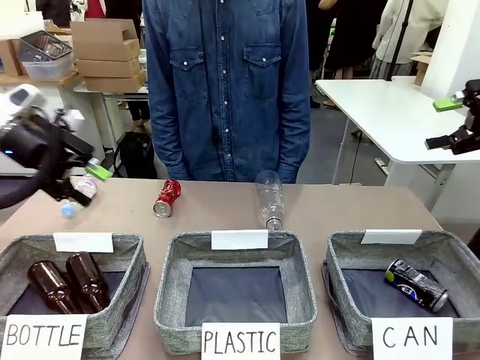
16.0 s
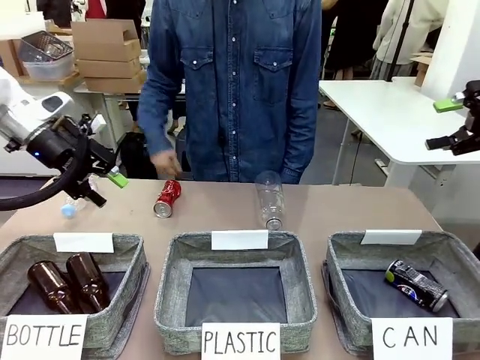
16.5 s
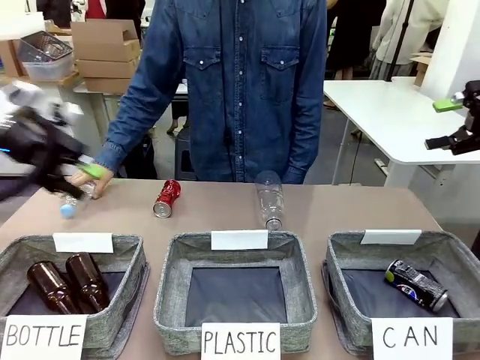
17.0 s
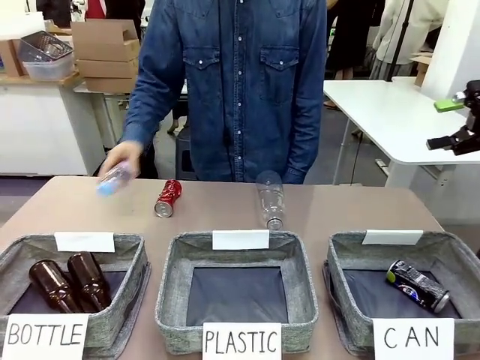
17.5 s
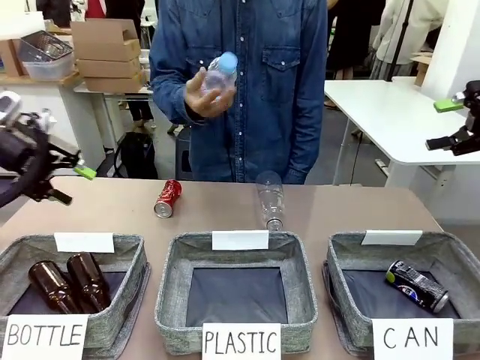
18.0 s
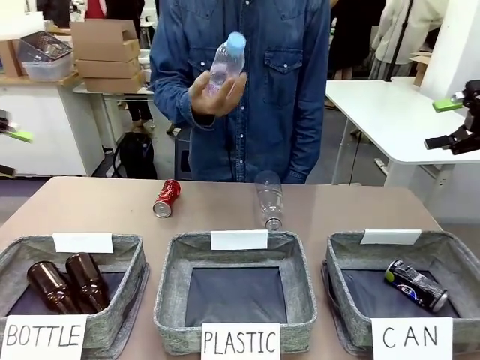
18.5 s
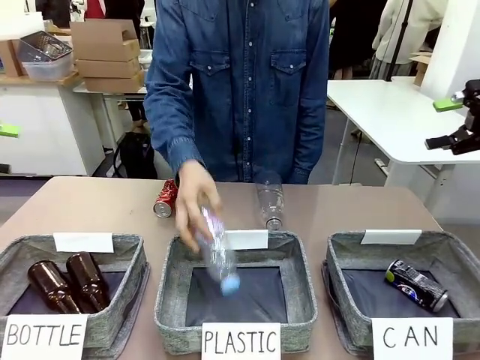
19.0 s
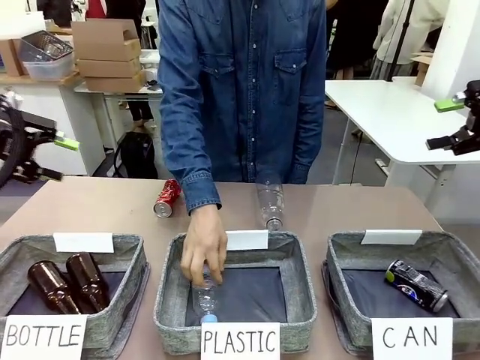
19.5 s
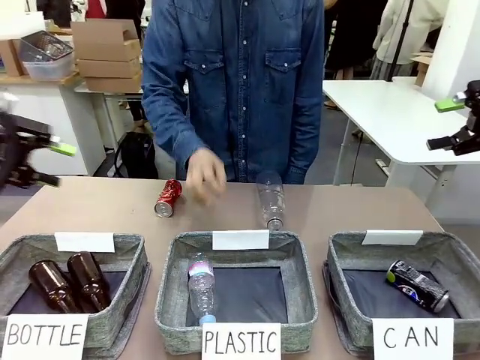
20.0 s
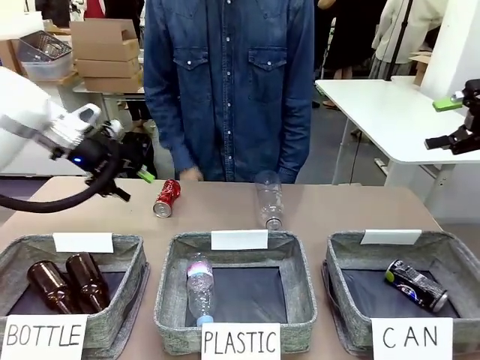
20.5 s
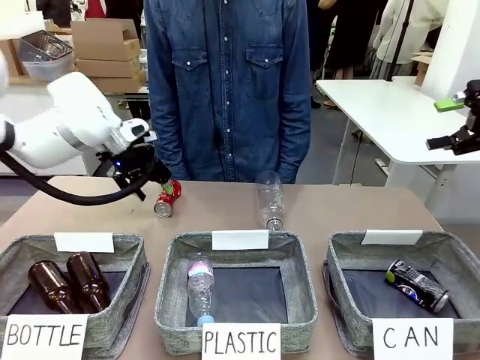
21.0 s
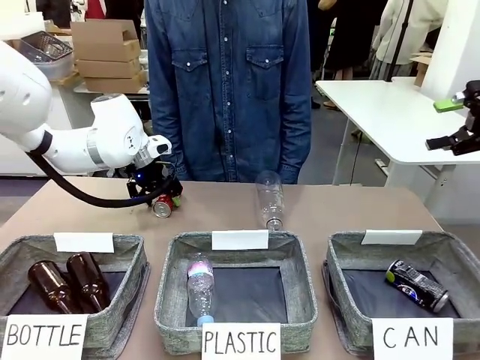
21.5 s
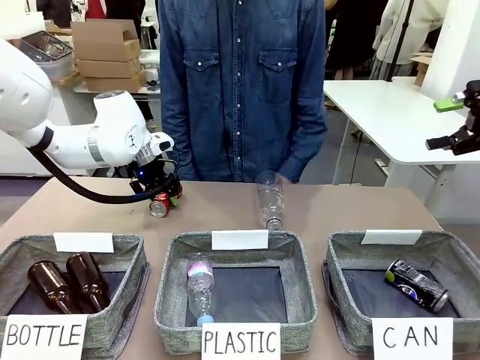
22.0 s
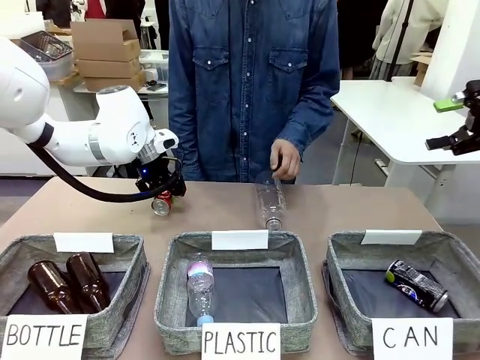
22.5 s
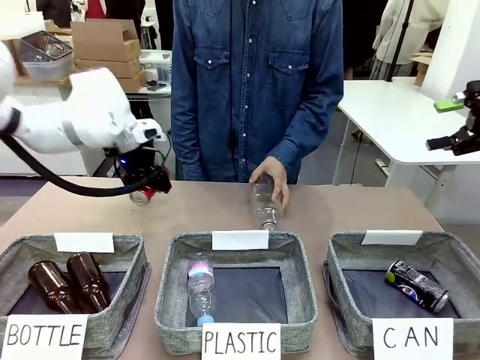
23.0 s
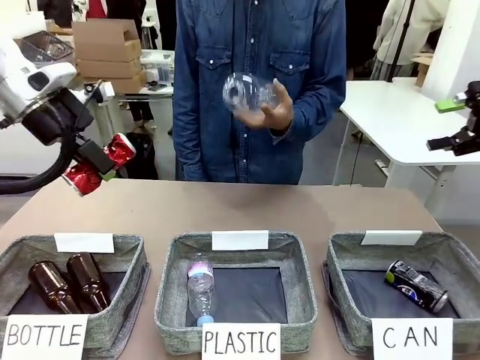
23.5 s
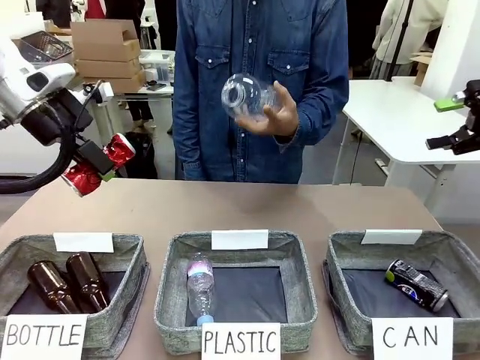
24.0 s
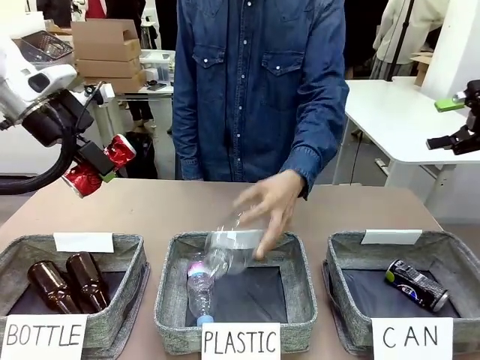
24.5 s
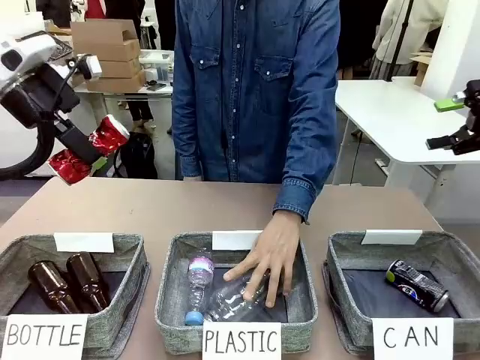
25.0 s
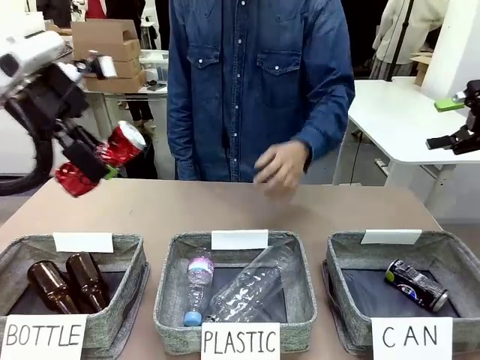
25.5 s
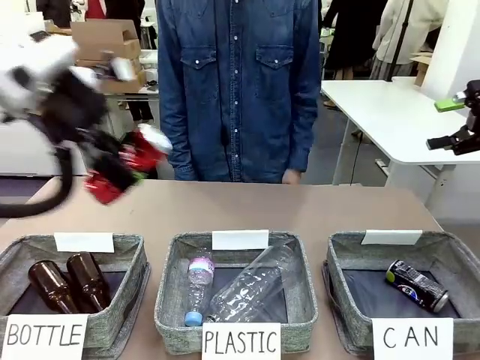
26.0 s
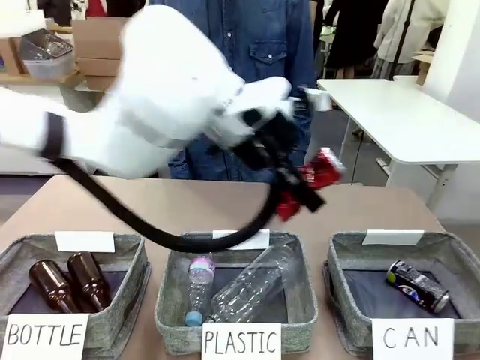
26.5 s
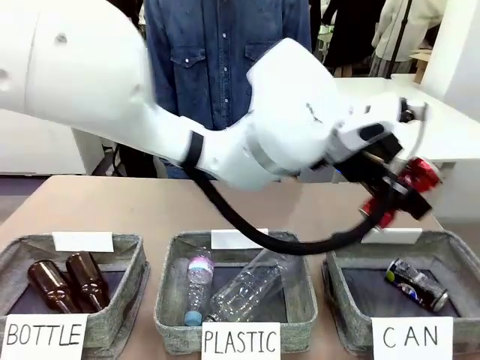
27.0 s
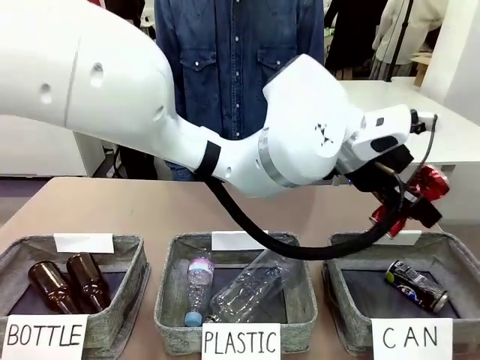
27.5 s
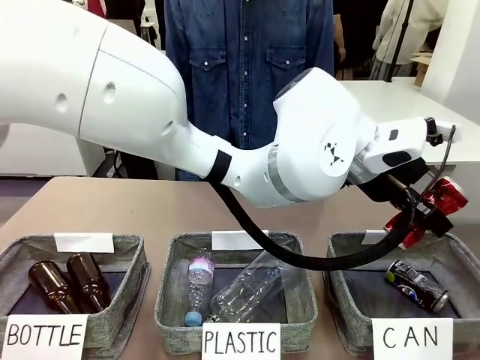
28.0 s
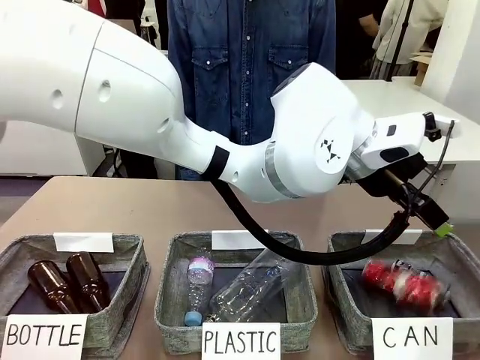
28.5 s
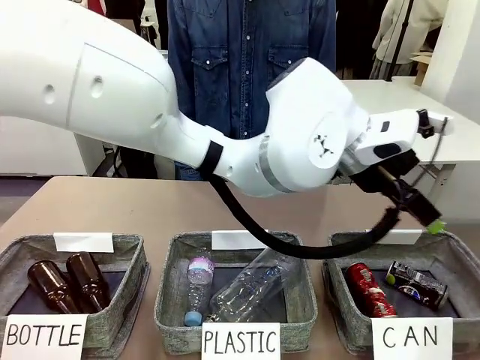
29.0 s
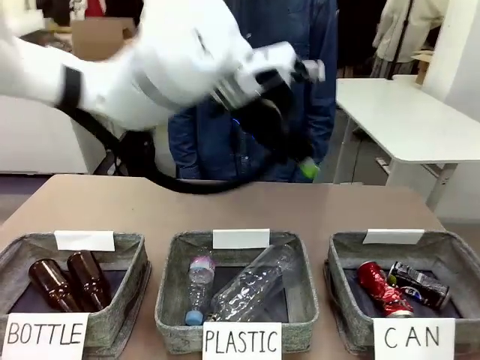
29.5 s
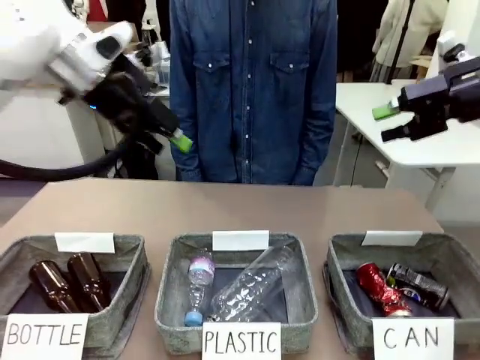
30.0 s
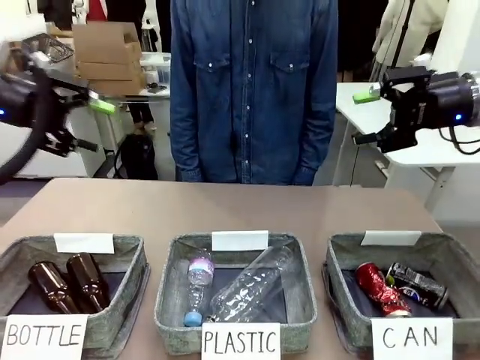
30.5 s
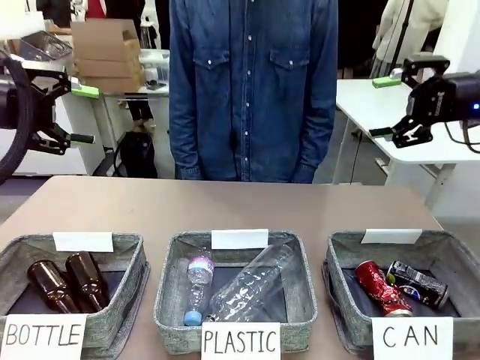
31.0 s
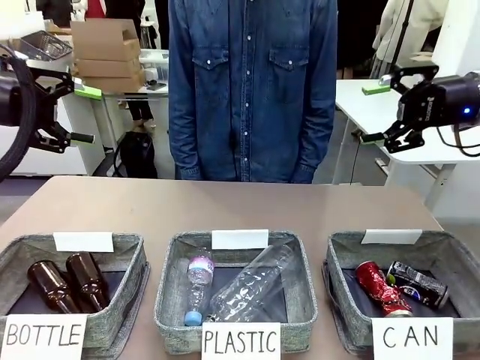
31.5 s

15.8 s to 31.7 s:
Task: Sort the can waste into the basket.
Robot: Pick up the can waste from the table and place it in the right Fabric basket.
Person: The human picks up one piece of trash that is not a can and places the trash into the appropriate organizing basket.

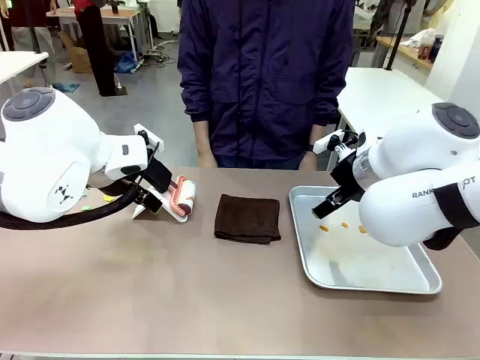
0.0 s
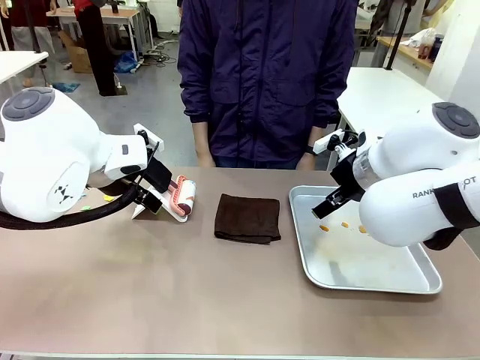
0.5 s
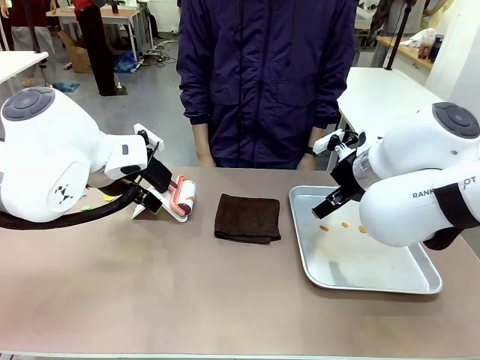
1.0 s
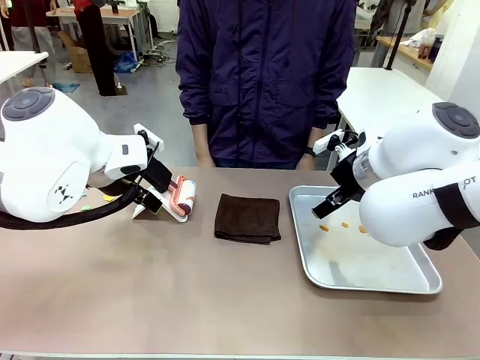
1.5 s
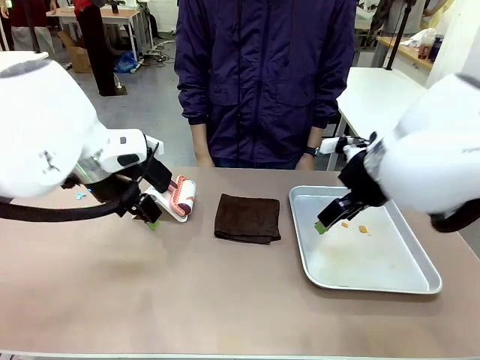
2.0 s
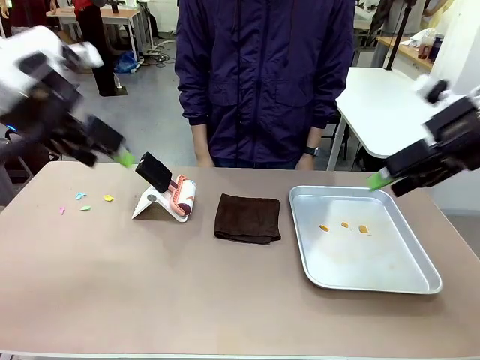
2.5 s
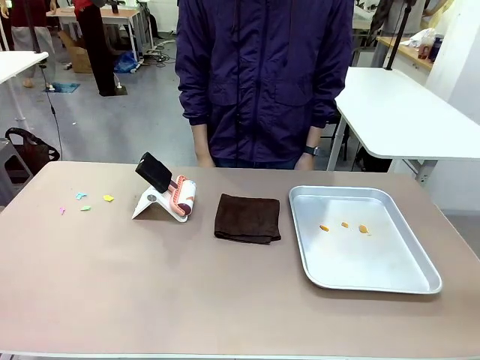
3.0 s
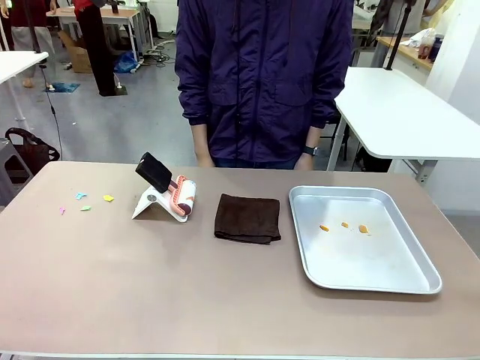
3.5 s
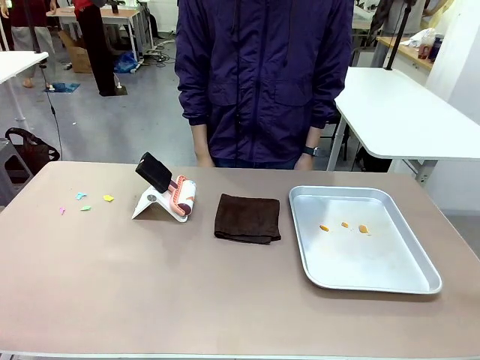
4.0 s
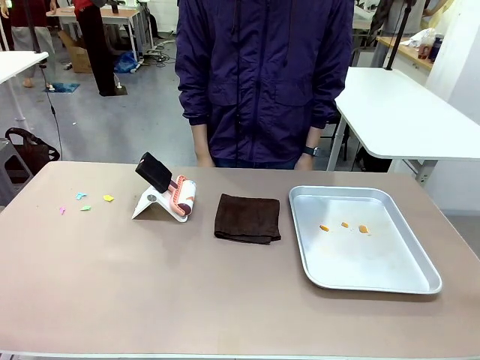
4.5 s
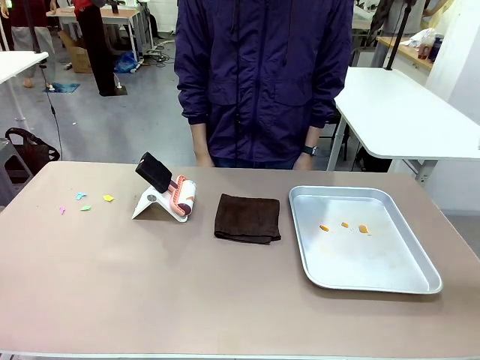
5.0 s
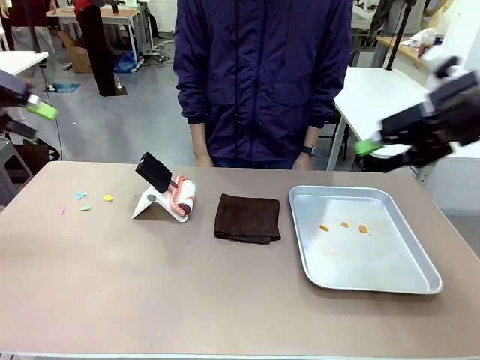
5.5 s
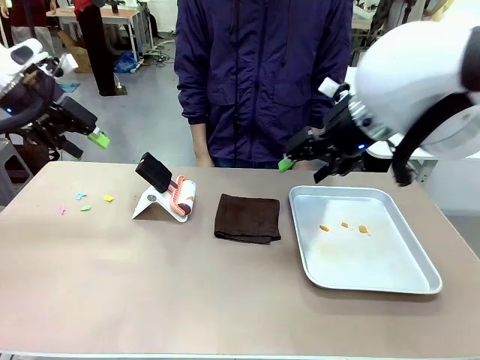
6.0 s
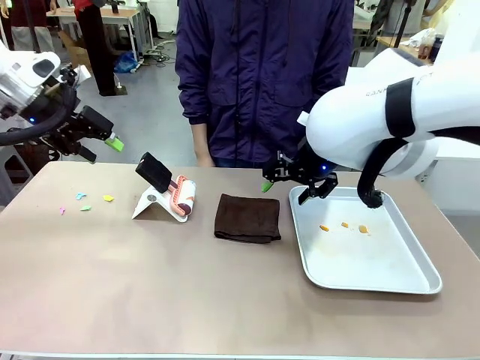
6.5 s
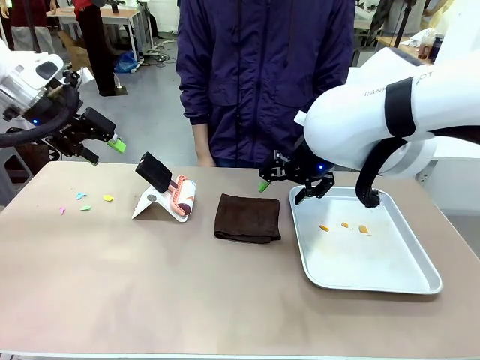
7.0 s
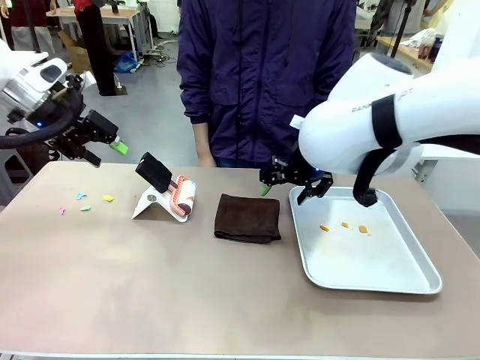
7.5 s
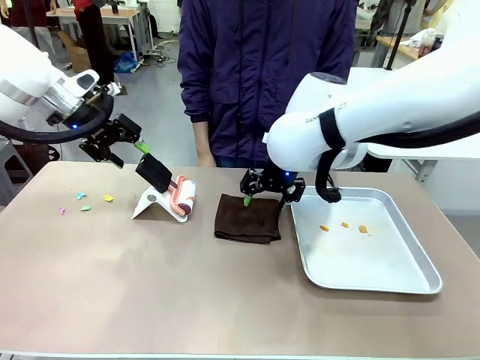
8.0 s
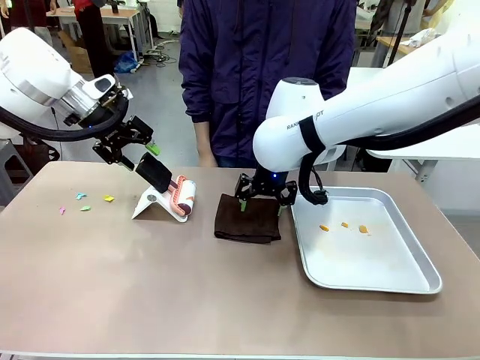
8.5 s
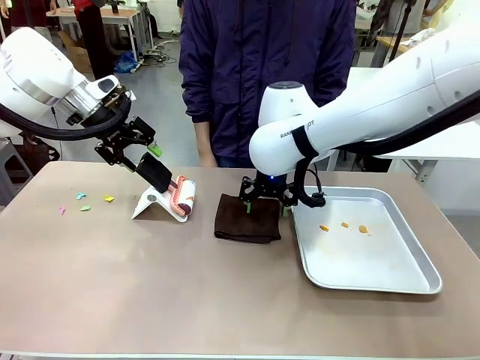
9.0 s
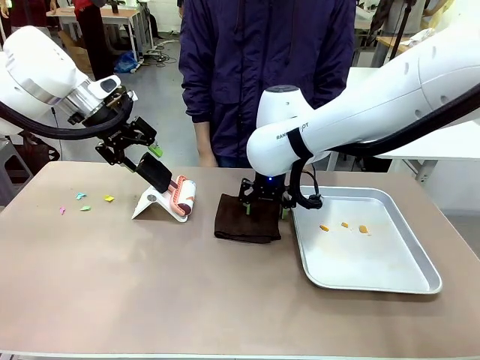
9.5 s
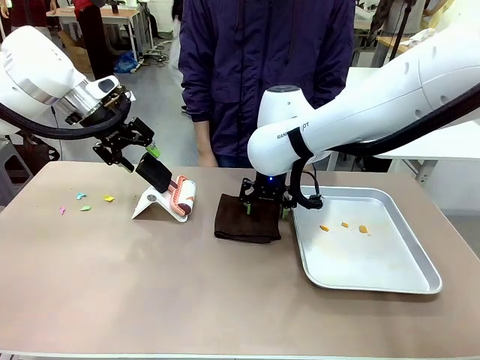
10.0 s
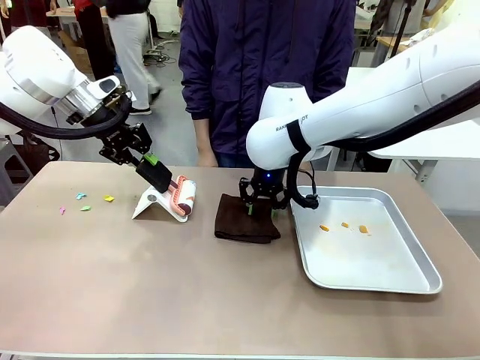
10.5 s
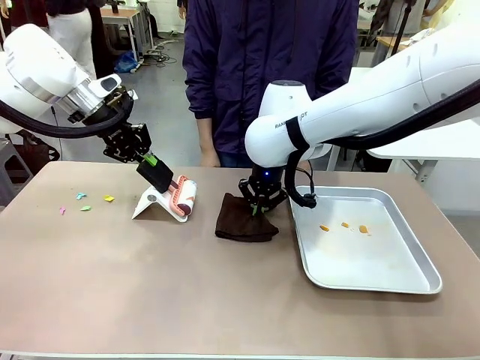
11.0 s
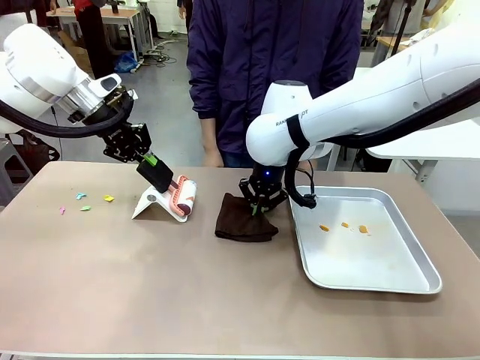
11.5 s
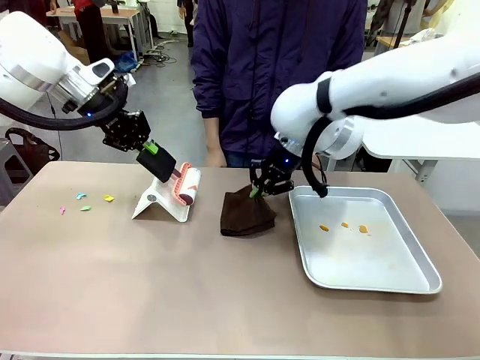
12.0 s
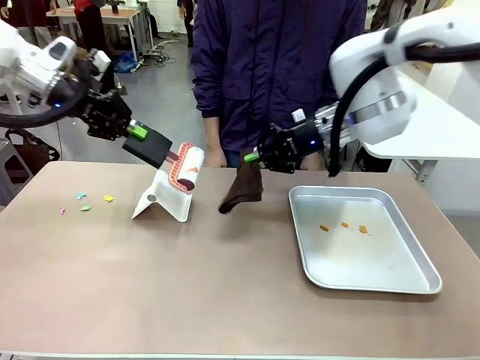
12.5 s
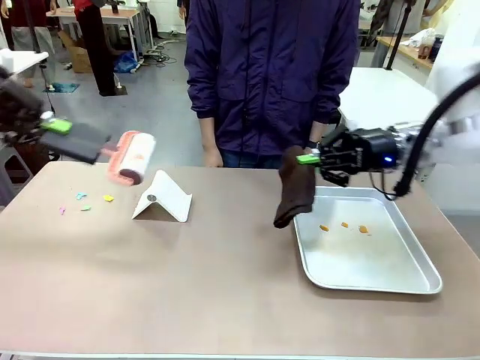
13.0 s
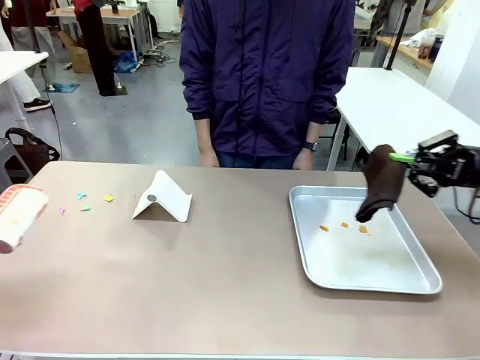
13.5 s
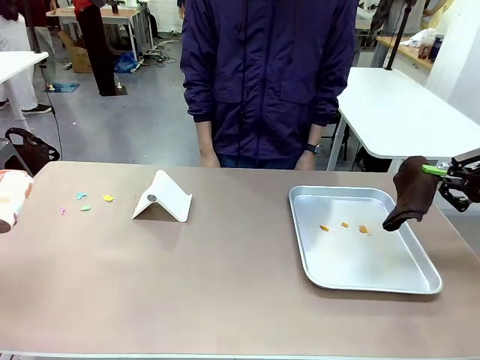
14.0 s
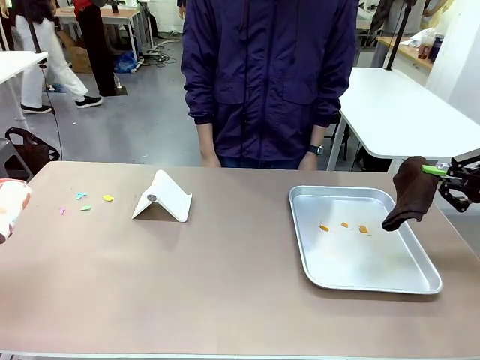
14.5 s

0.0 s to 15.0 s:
Task: Clean the surface of the table.
Robot: Hold the Lint Roller with your left hand and the towel with your right hand.
